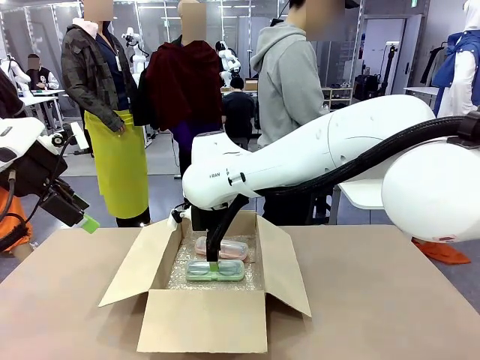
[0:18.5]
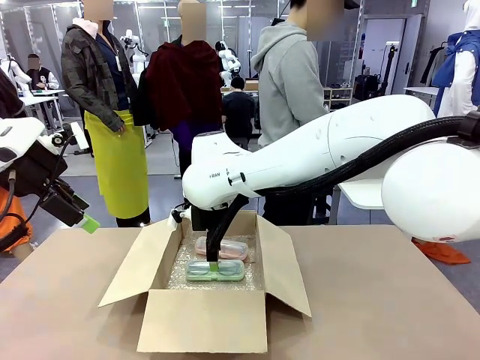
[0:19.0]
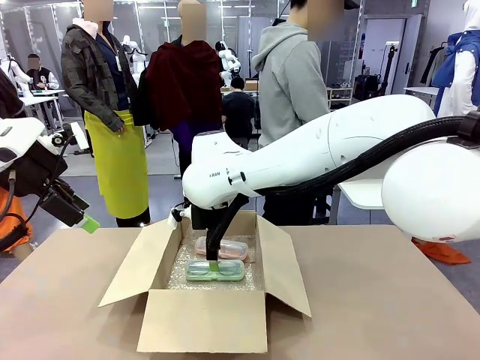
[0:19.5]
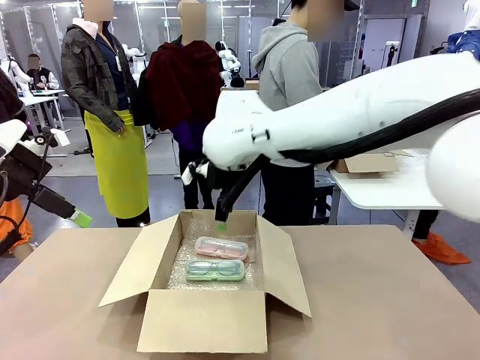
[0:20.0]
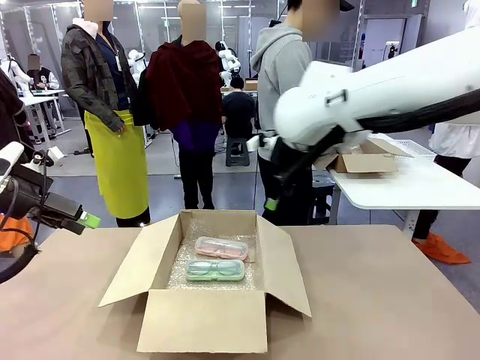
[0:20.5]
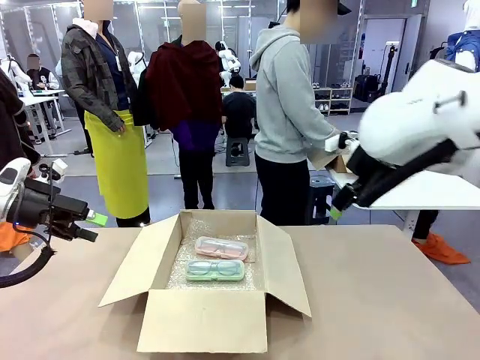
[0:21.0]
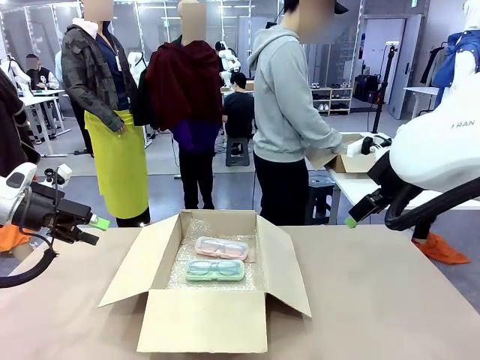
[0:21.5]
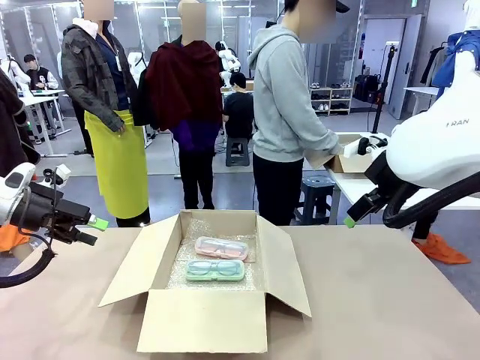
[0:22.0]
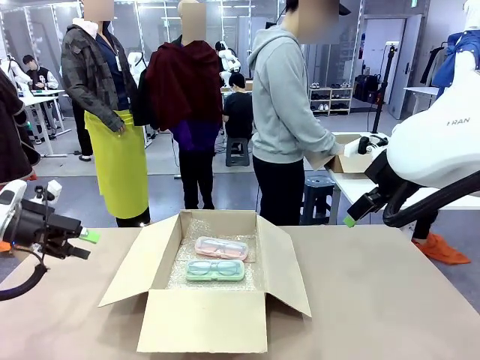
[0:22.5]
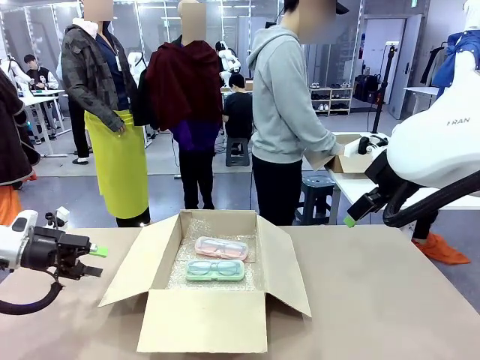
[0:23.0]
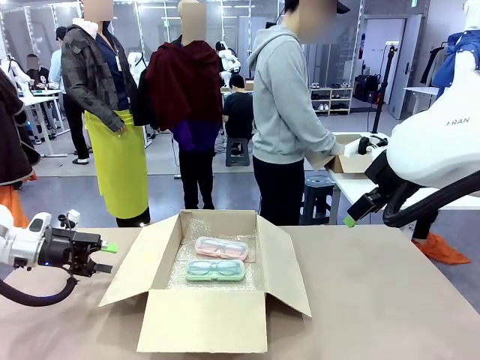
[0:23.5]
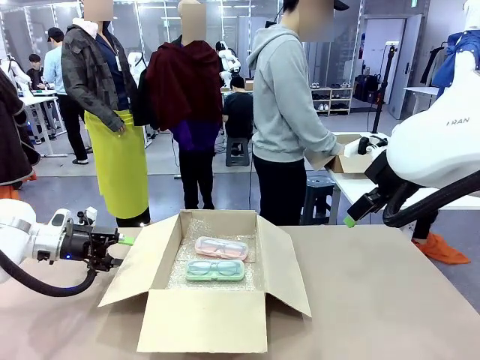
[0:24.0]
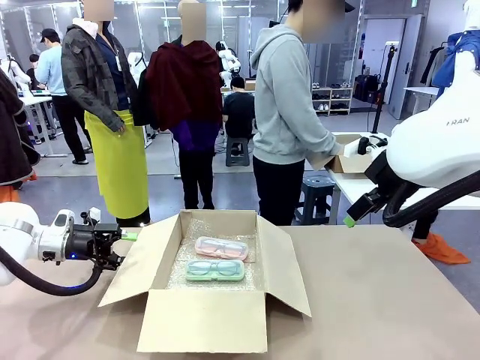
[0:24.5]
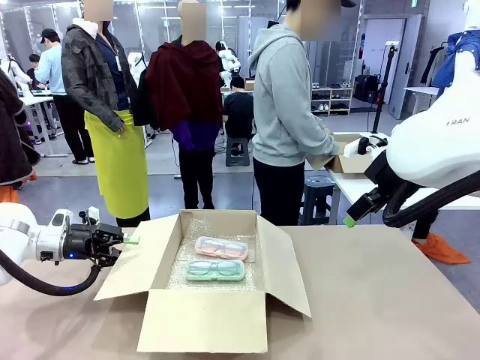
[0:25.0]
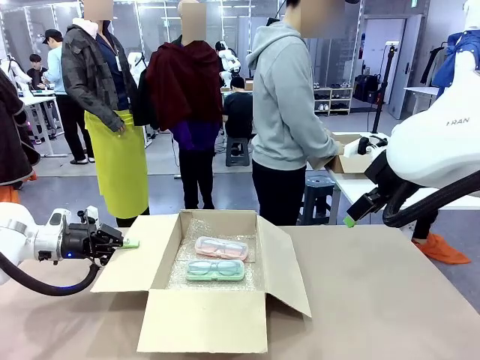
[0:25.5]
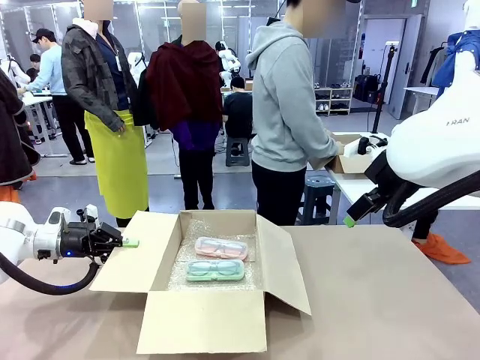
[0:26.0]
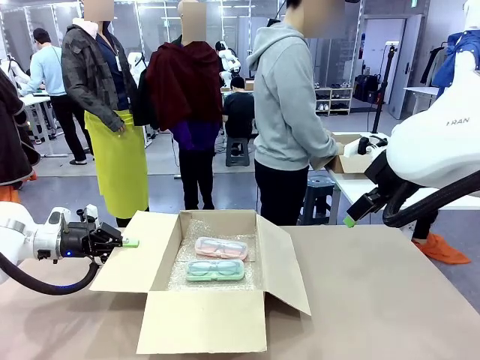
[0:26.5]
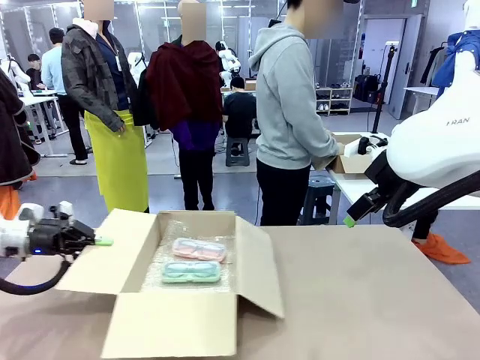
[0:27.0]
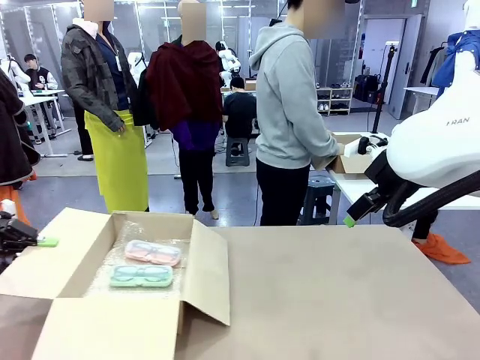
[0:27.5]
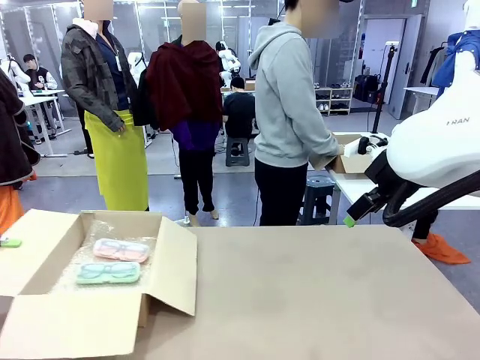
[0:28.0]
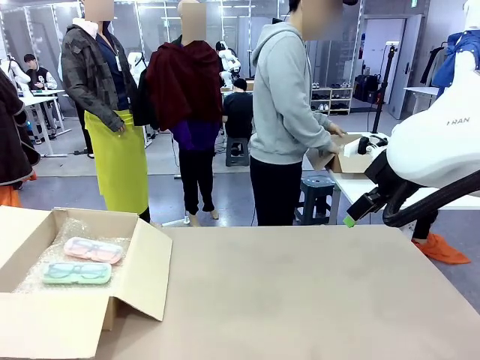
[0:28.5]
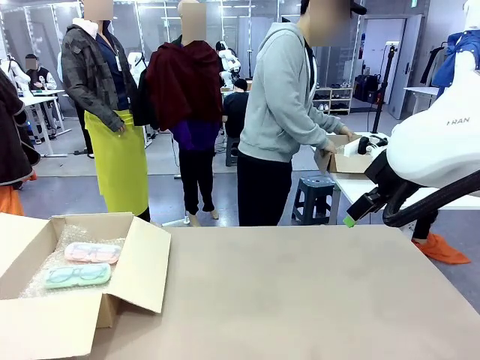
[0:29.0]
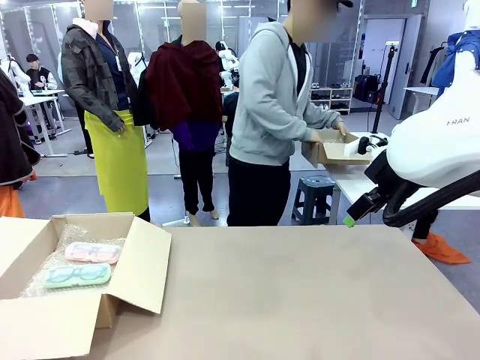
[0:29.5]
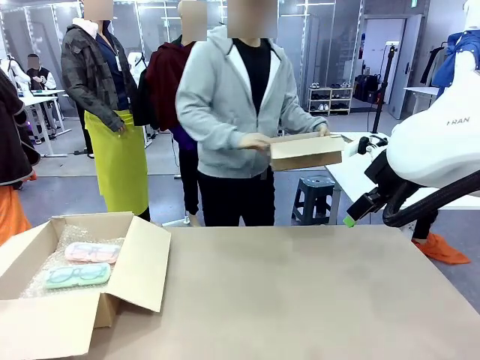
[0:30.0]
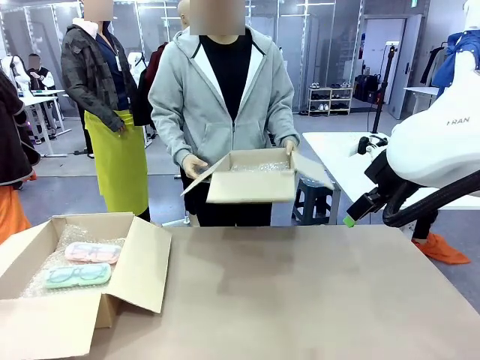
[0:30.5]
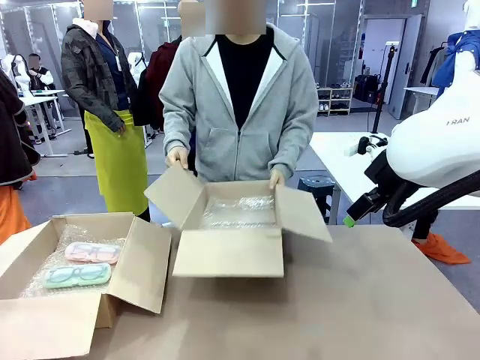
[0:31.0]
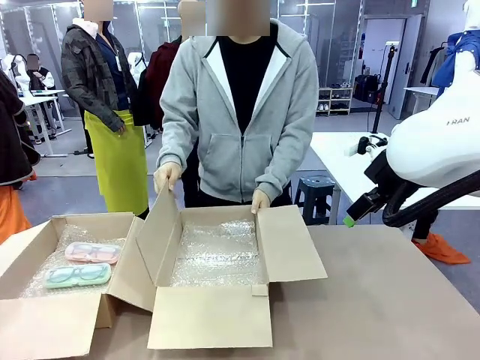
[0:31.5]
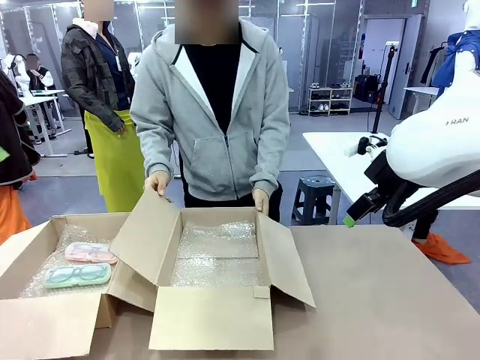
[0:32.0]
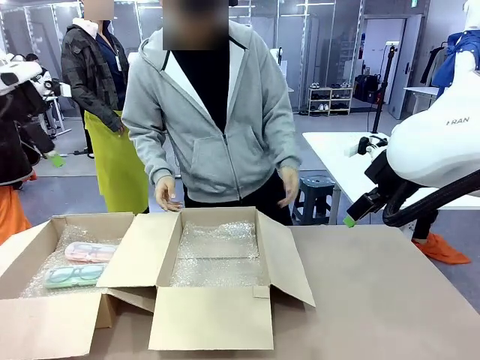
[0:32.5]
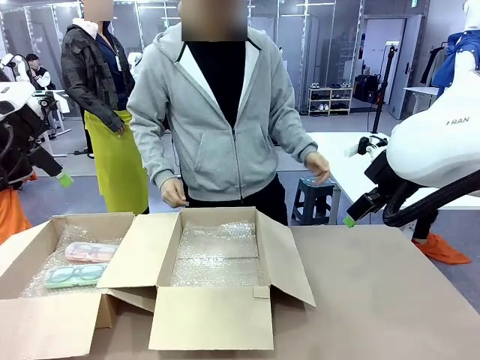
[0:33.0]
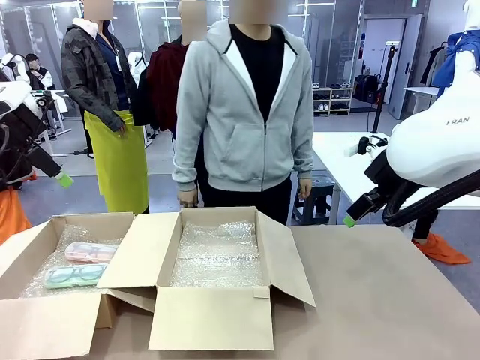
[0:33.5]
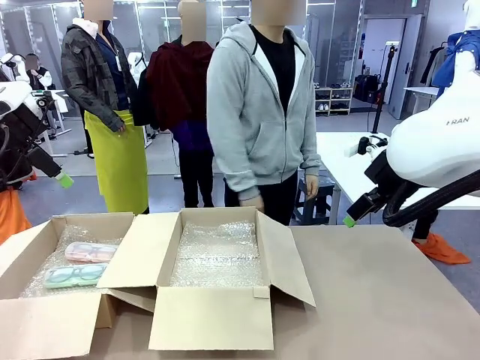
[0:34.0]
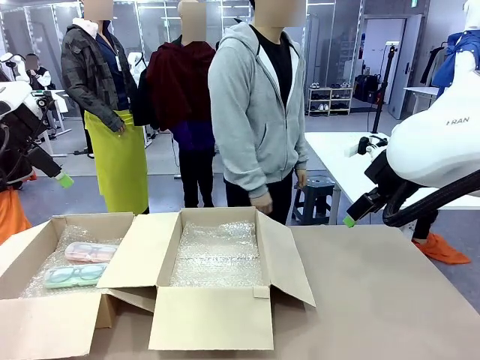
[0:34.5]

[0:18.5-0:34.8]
Task: Pack the glasses set securely to prepare it for shipping.
Robot: Position the Package Box on the left side of the table.
Person: Position the empty Package Box in the middle of the robot's table.
